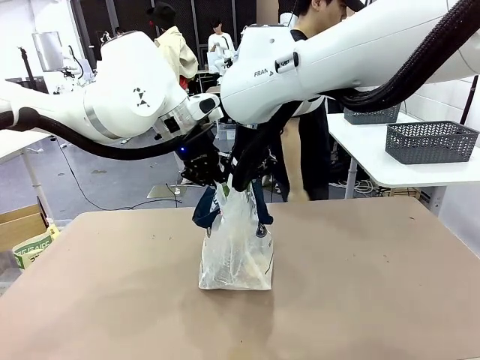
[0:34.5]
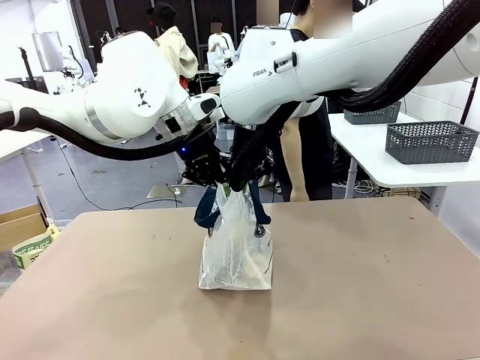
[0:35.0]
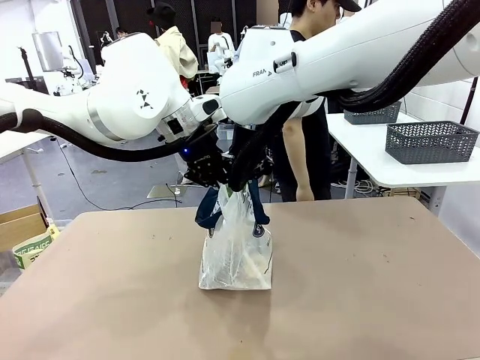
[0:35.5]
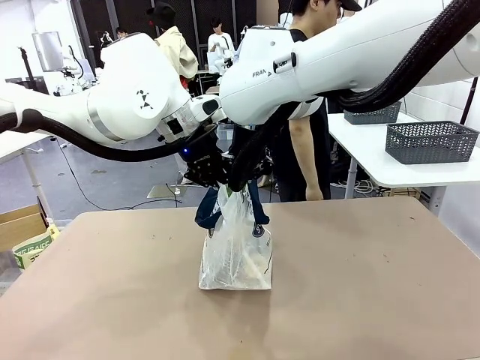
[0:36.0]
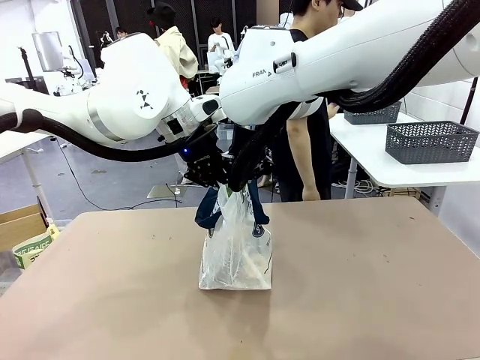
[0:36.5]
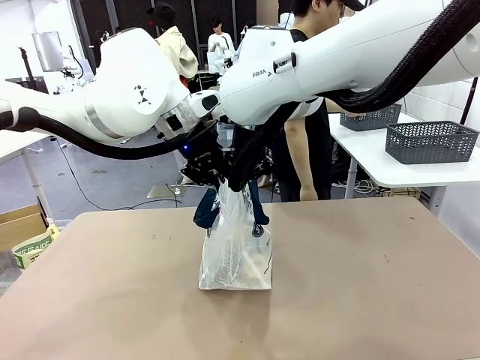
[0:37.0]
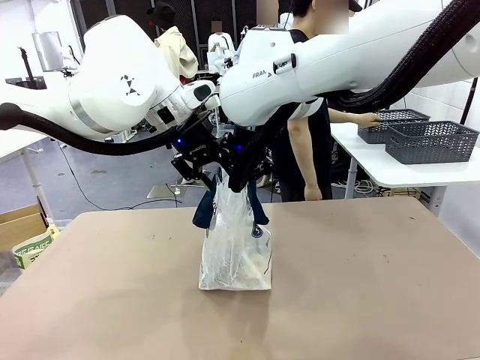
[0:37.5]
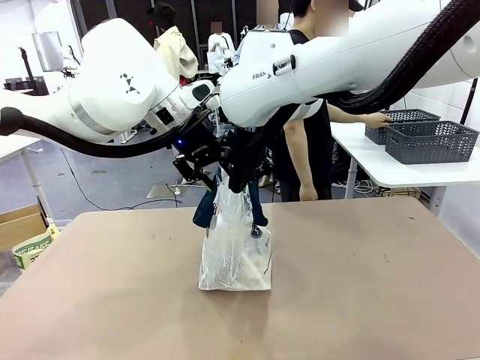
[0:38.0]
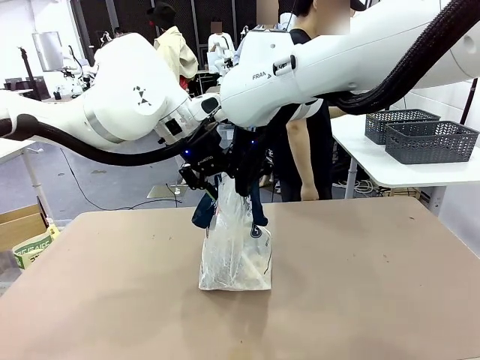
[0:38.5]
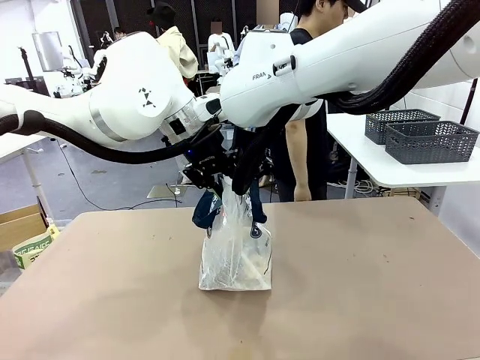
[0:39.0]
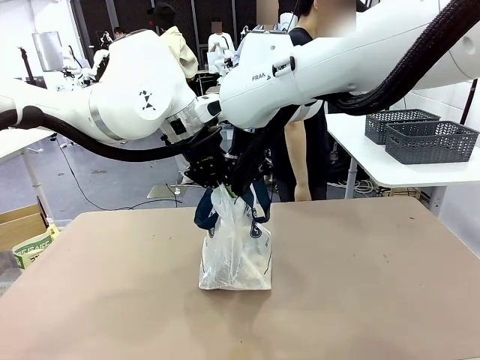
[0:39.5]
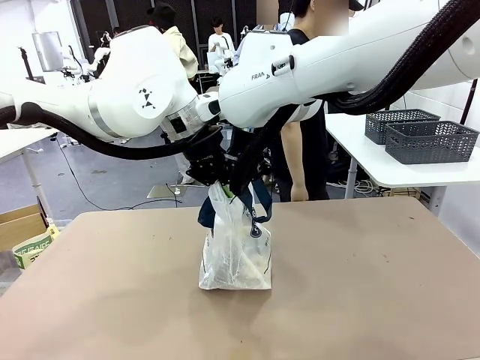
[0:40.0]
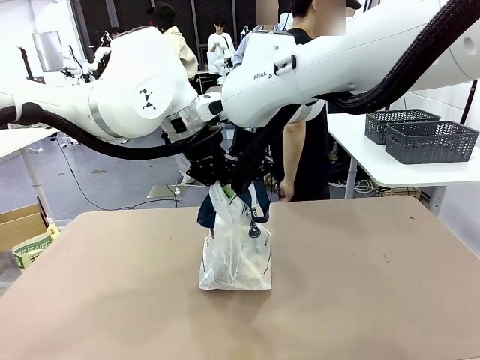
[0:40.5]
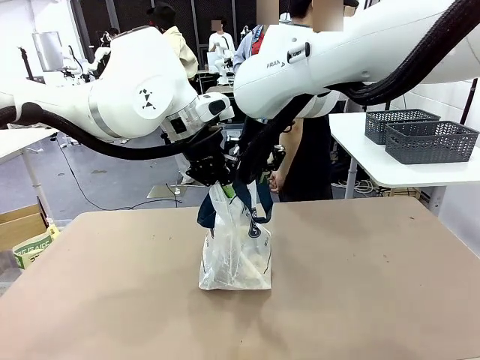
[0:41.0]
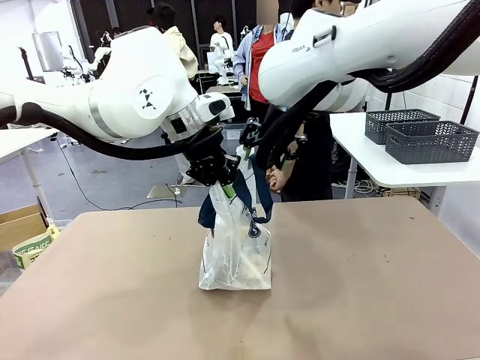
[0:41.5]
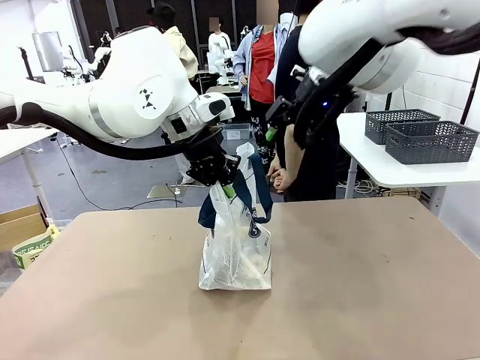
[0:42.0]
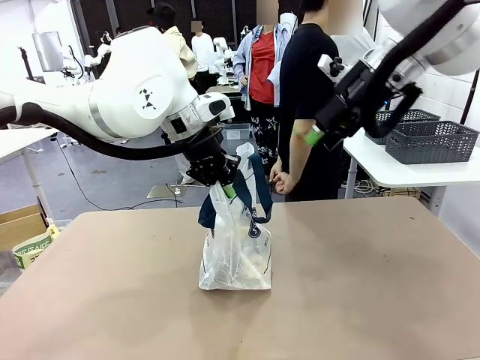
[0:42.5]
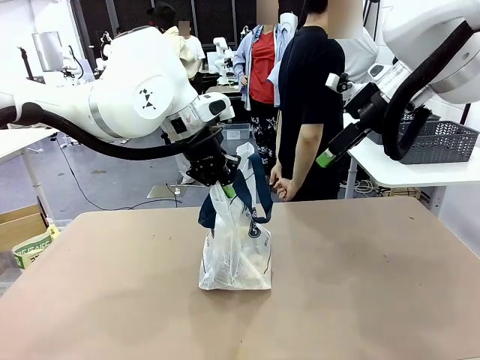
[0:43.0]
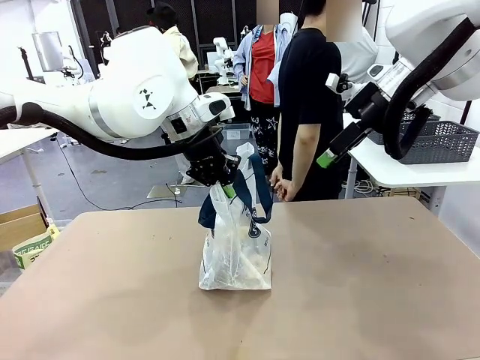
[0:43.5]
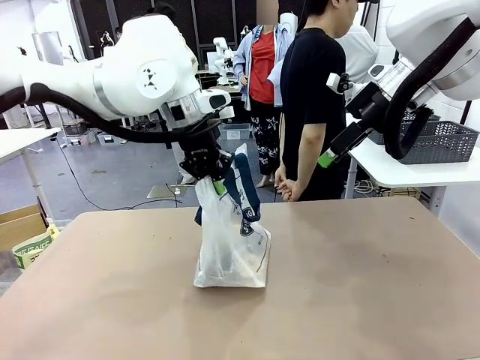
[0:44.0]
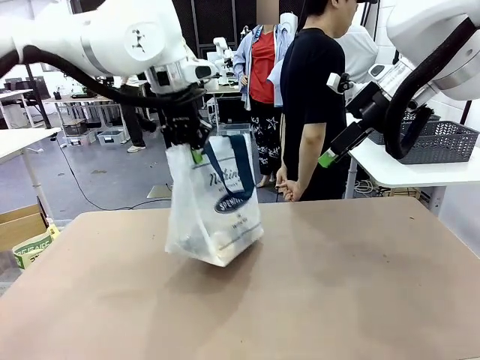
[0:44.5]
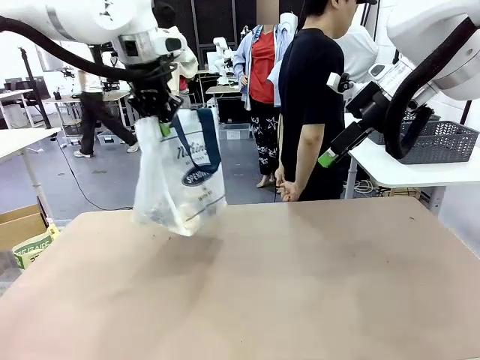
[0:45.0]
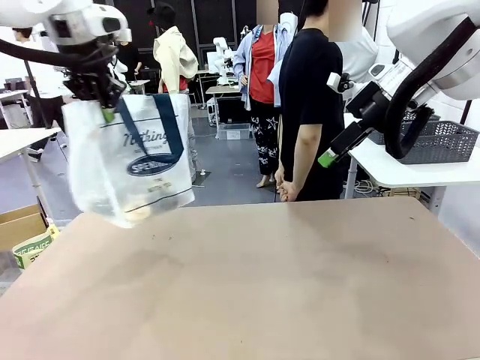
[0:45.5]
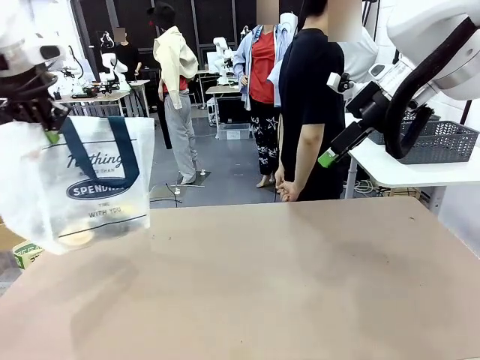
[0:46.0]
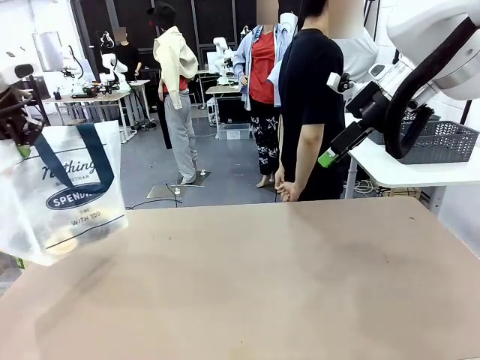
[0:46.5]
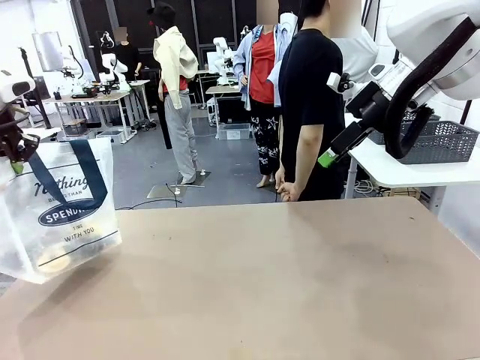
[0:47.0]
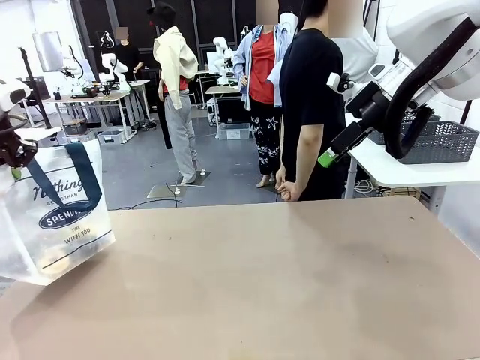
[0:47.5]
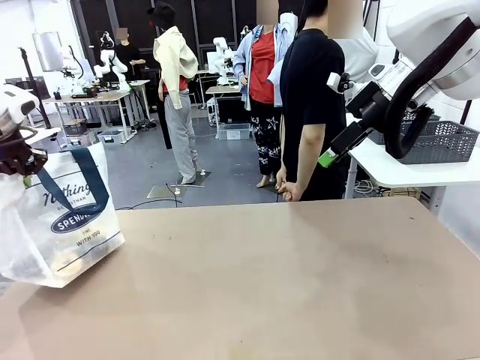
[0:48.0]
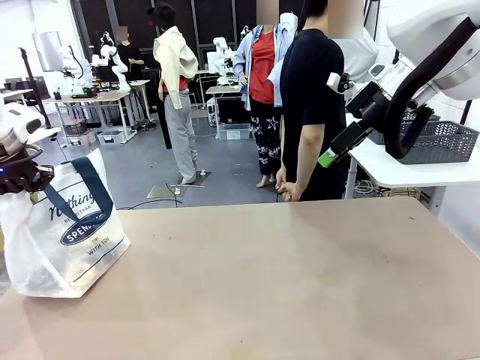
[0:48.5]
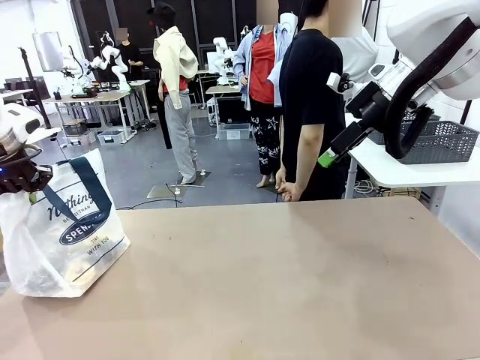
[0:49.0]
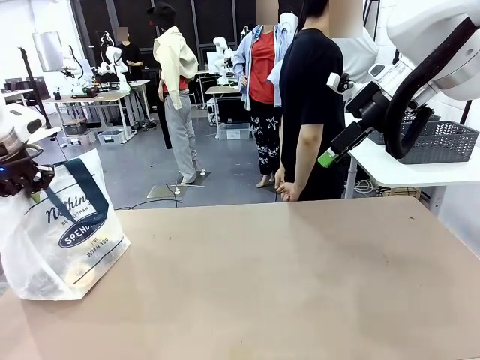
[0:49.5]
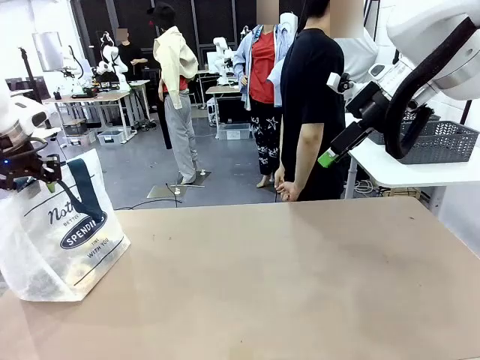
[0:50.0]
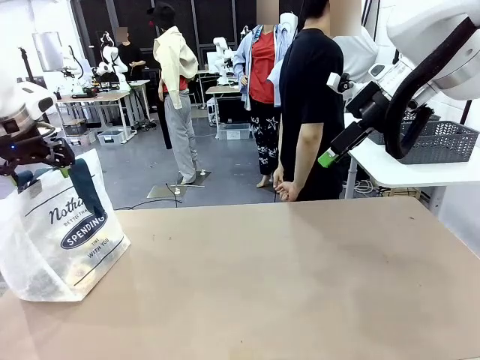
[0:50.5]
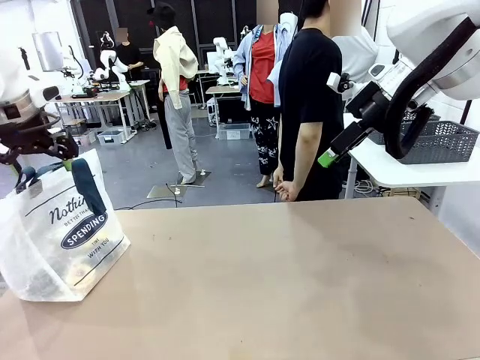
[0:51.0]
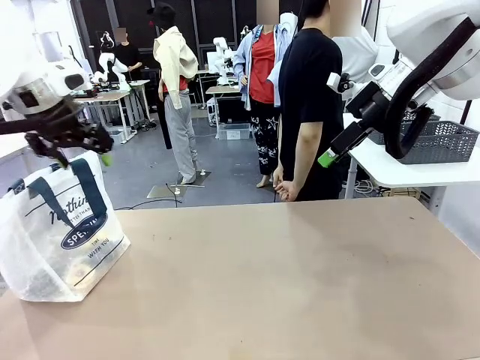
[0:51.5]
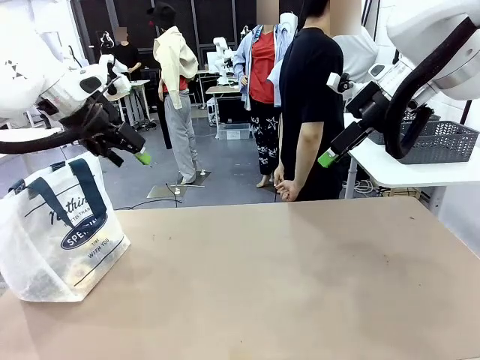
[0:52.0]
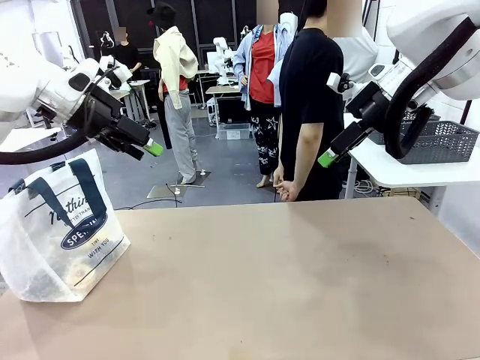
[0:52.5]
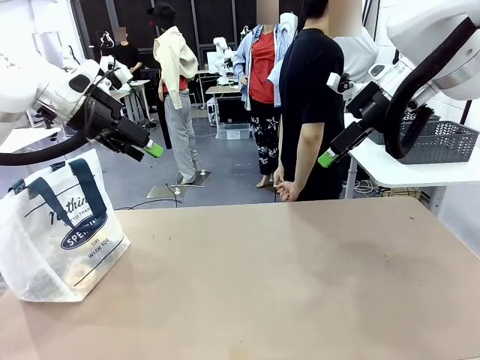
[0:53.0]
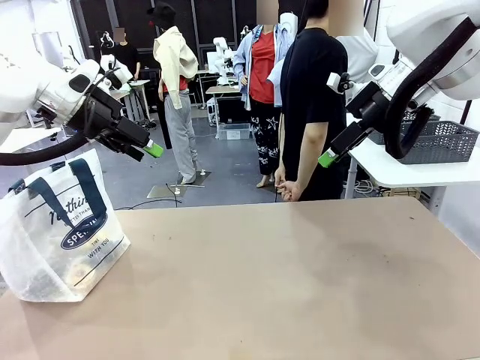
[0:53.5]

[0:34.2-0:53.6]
Task: Transfer purchased items from the store into the shopping bag.
Robot: Move the Reusable shopping bag to the right side of the table.
Person: Move the basket on the left to the middle of the person's table.

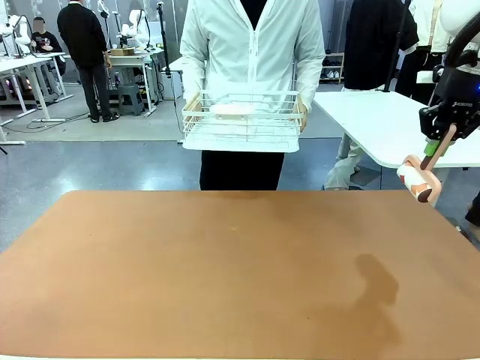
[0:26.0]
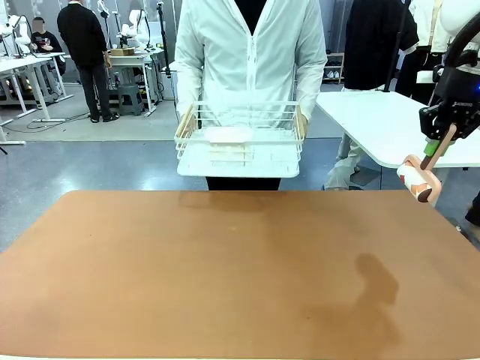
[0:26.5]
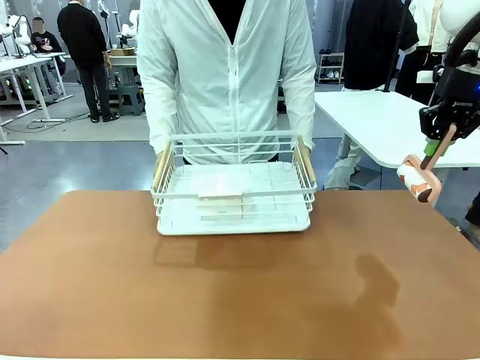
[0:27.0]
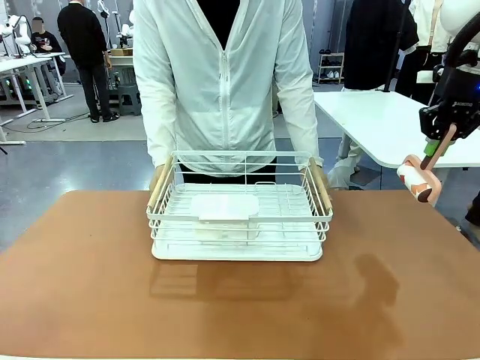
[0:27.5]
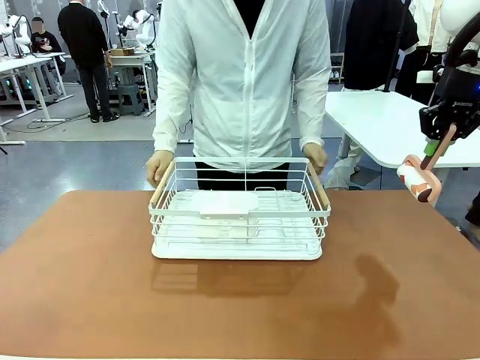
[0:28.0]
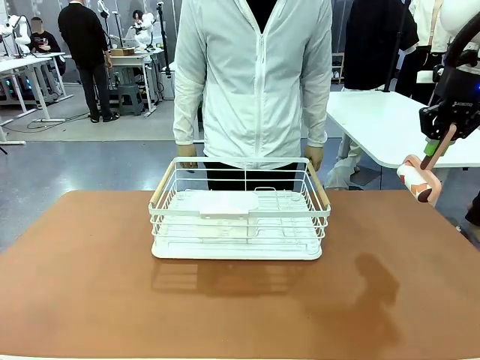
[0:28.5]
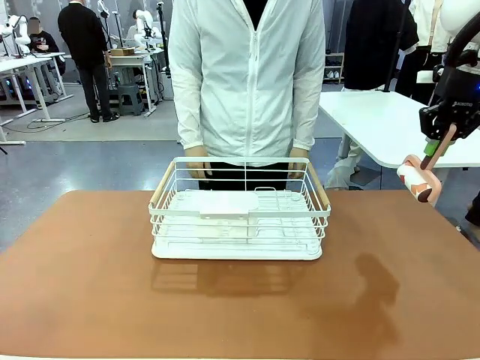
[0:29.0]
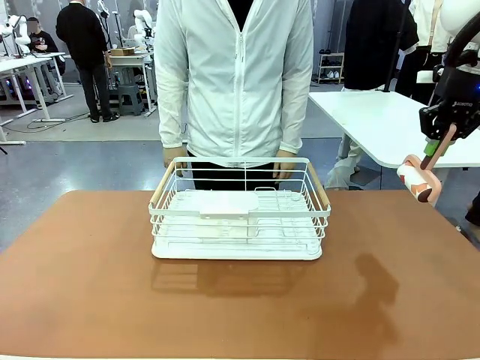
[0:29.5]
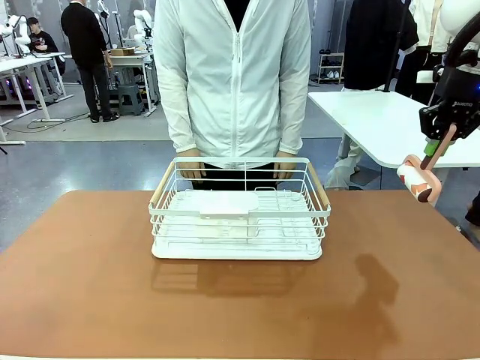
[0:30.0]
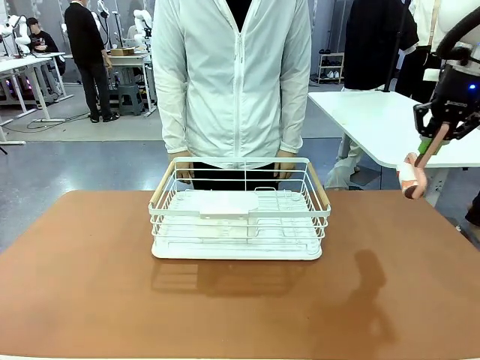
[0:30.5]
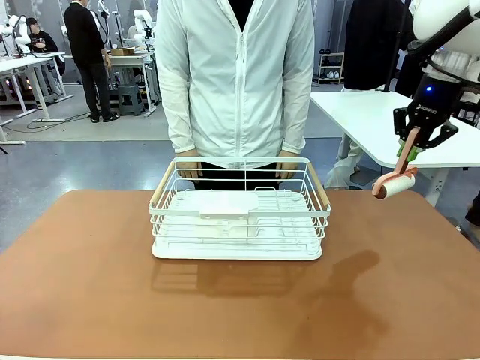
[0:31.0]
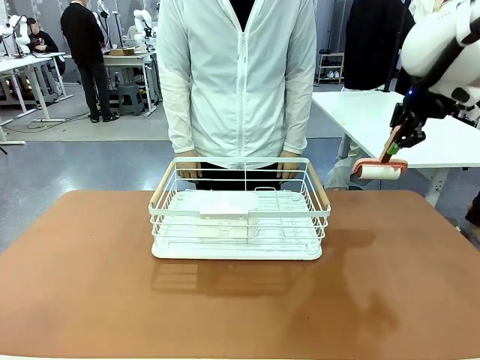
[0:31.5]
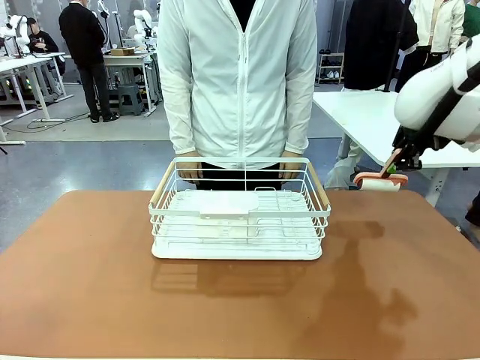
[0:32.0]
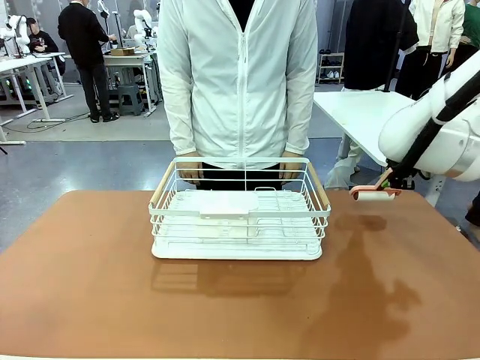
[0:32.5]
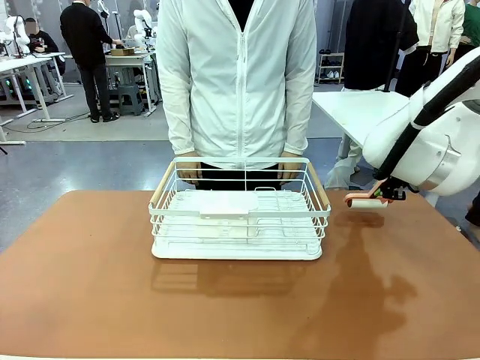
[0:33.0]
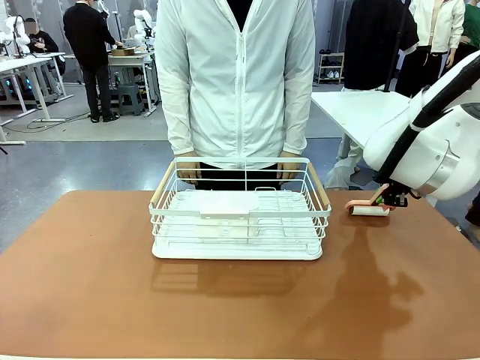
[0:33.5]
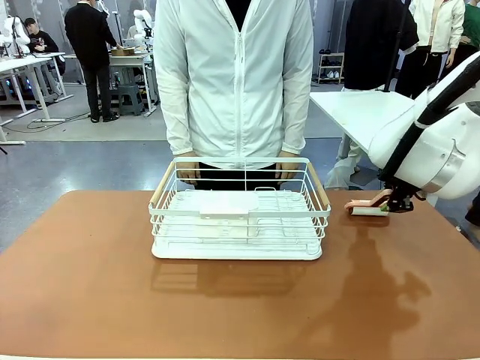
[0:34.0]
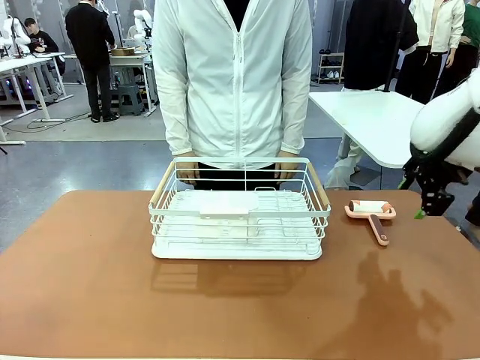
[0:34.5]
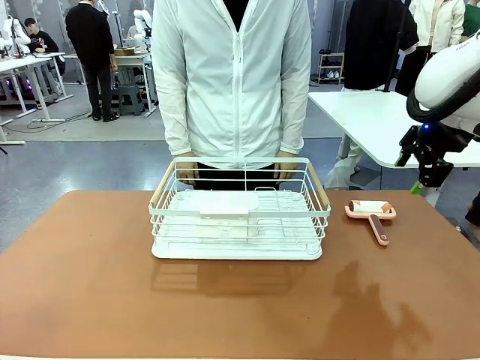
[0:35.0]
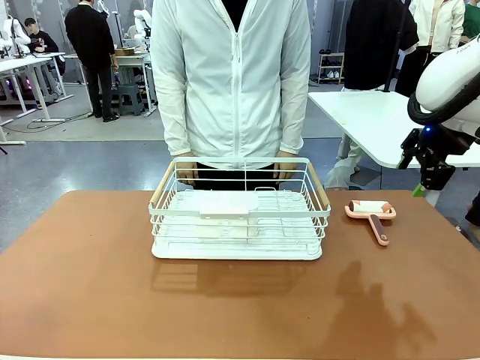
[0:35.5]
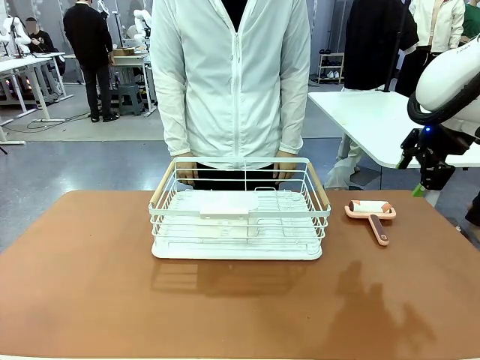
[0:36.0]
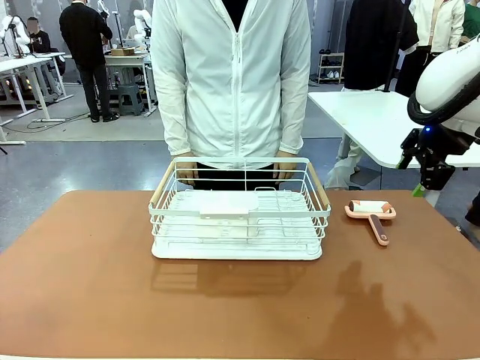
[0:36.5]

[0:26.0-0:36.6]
Task: Clean the table.
Robot: Place the Lint Roller down when the Dish drying rack is positioned in the middle of the table.
